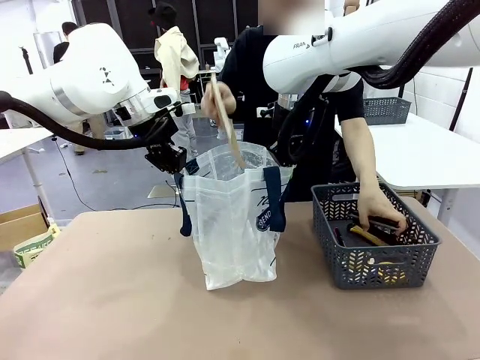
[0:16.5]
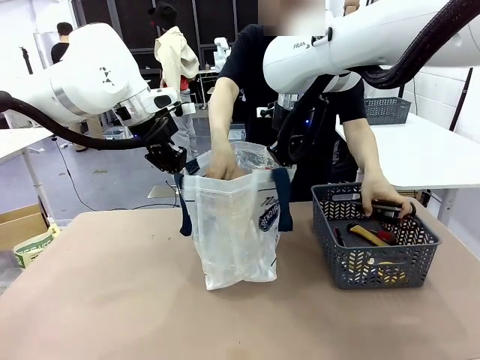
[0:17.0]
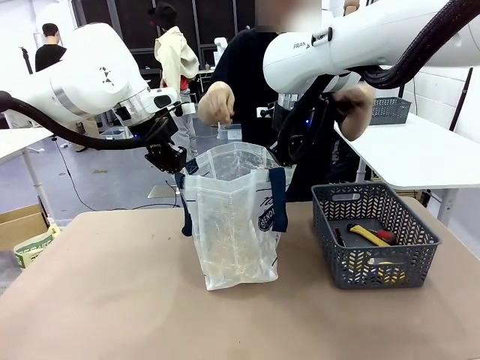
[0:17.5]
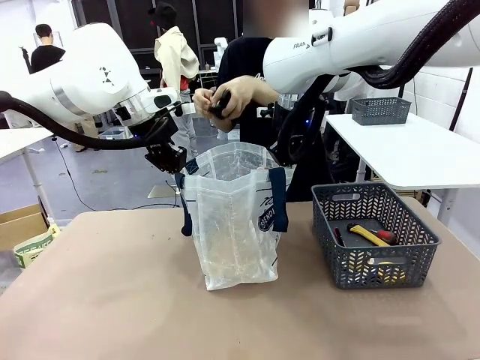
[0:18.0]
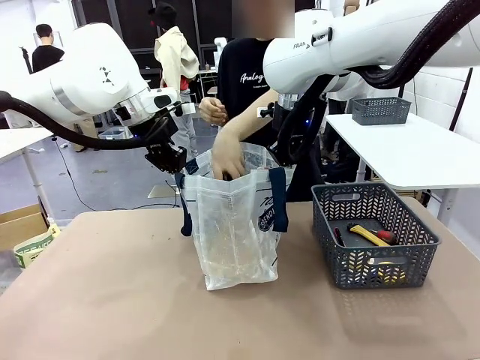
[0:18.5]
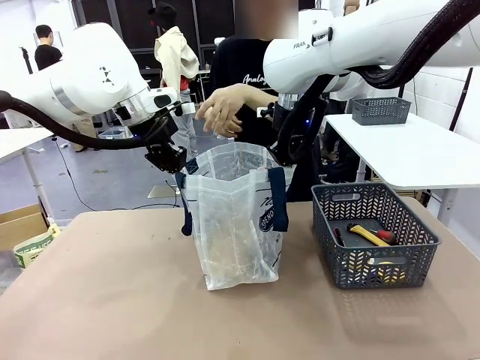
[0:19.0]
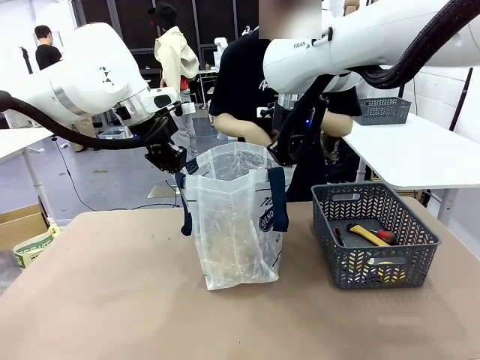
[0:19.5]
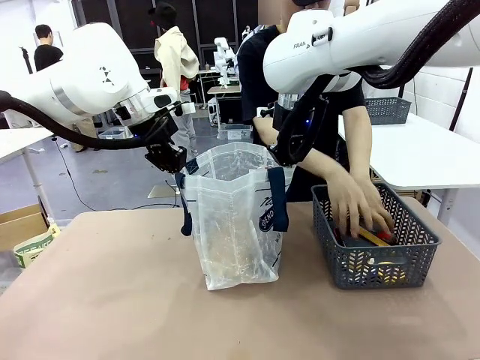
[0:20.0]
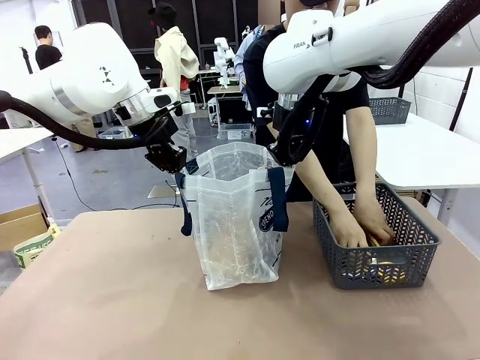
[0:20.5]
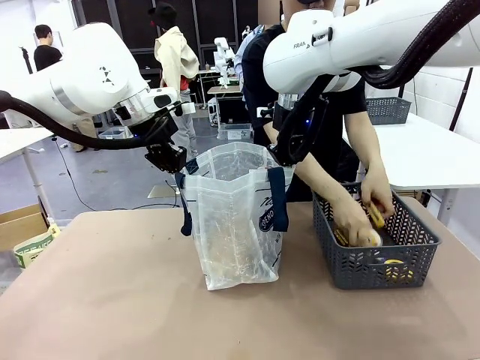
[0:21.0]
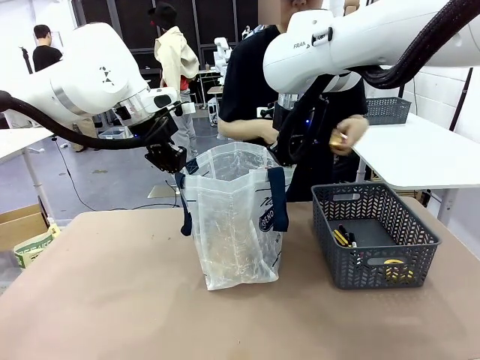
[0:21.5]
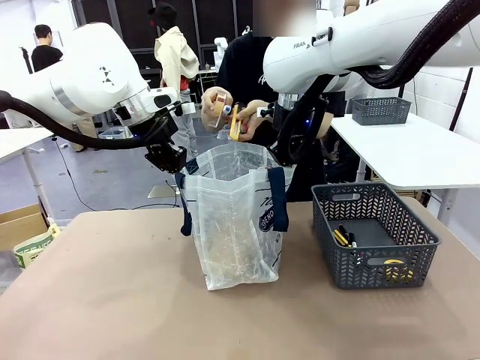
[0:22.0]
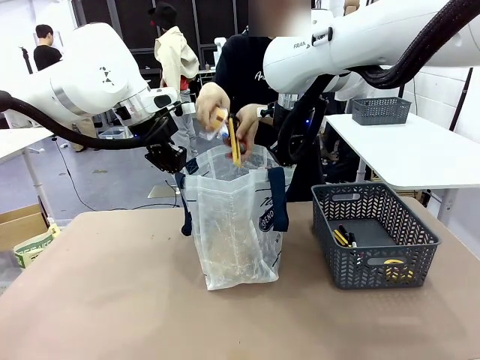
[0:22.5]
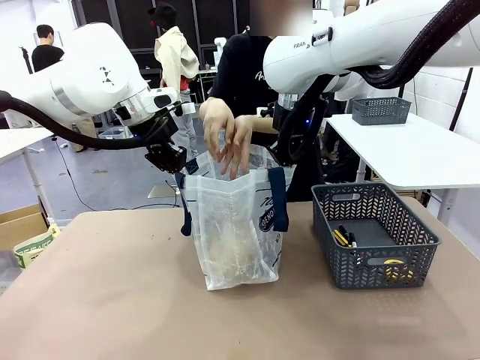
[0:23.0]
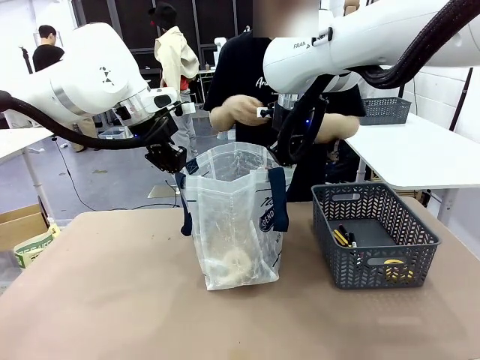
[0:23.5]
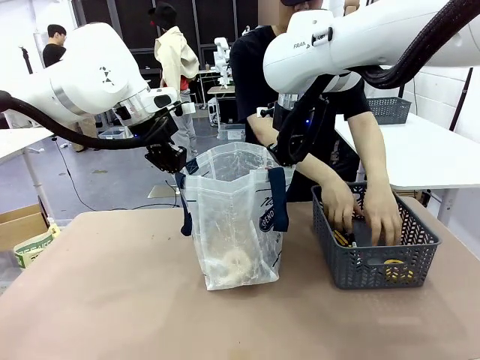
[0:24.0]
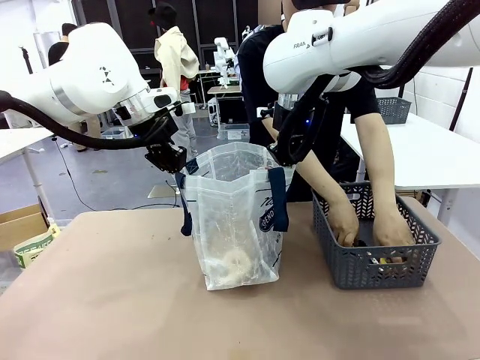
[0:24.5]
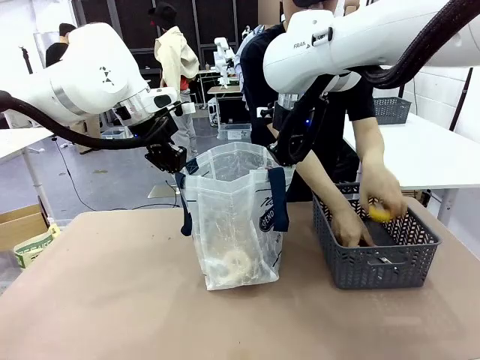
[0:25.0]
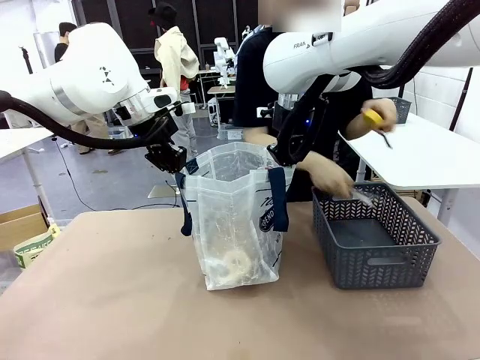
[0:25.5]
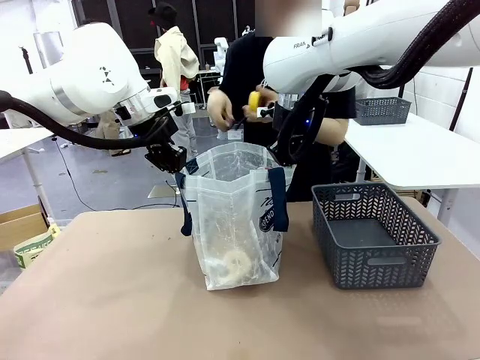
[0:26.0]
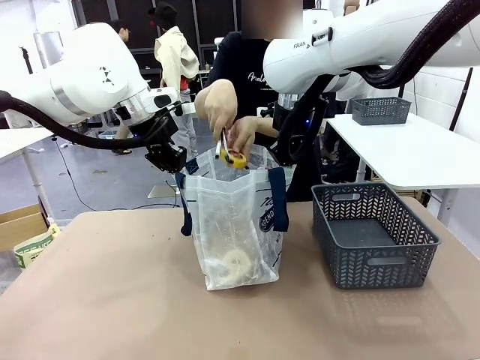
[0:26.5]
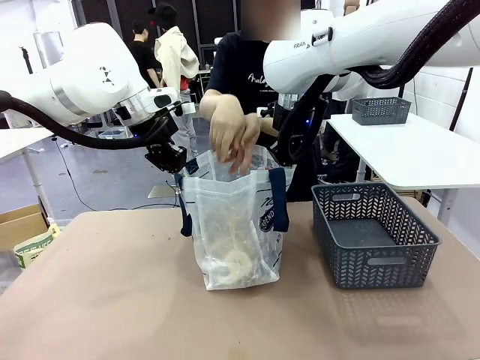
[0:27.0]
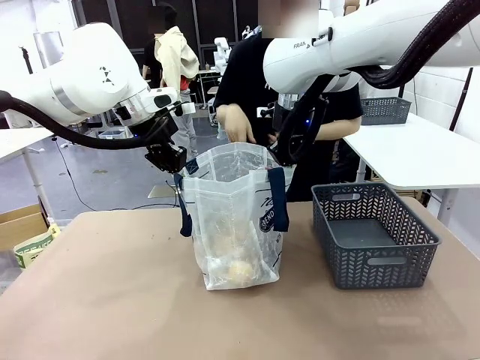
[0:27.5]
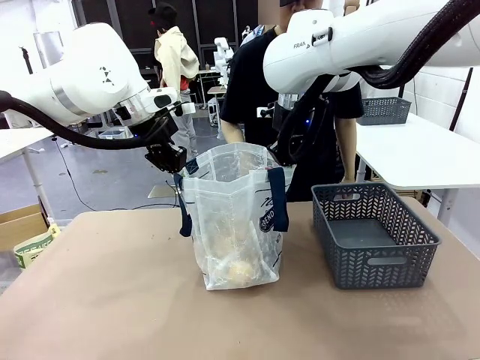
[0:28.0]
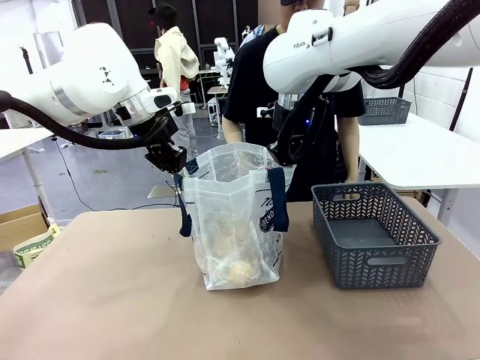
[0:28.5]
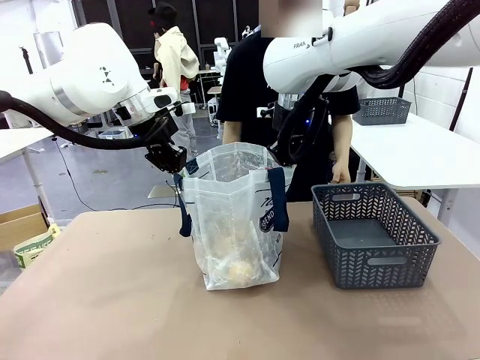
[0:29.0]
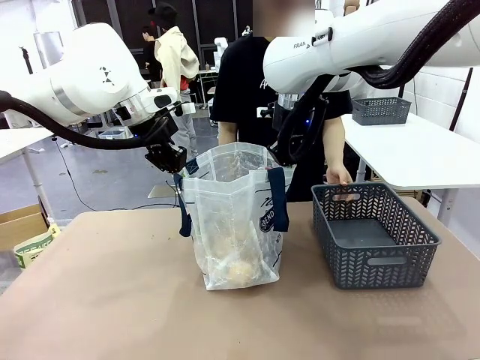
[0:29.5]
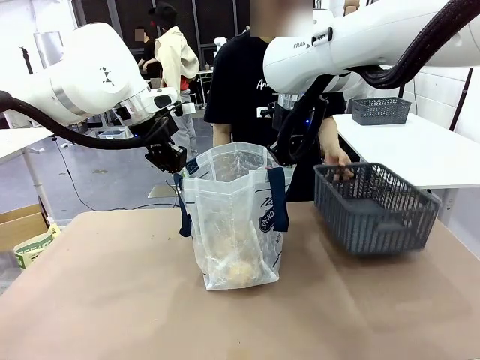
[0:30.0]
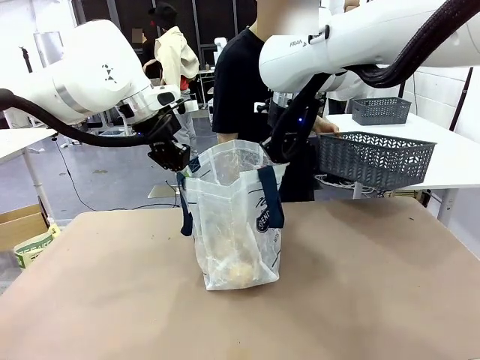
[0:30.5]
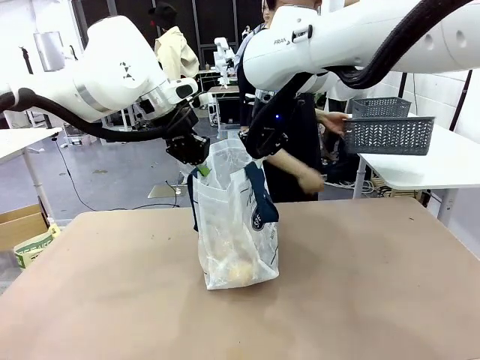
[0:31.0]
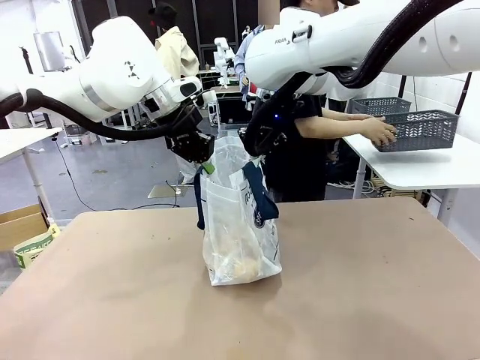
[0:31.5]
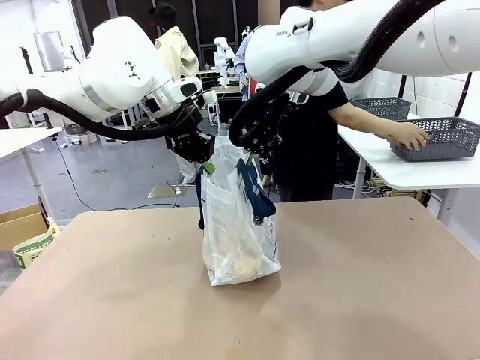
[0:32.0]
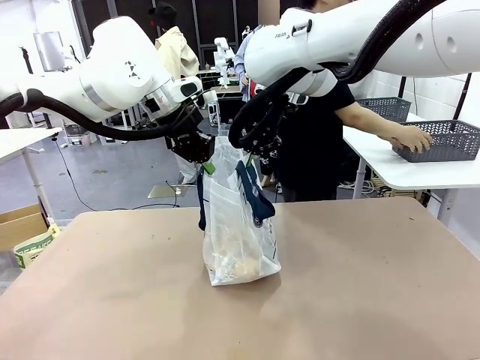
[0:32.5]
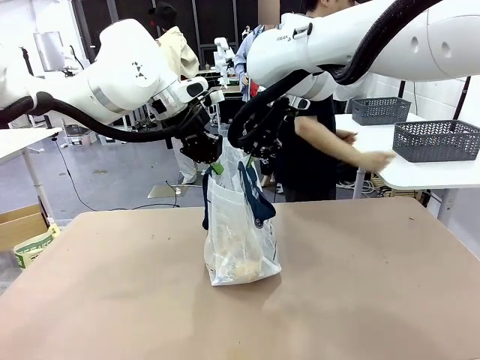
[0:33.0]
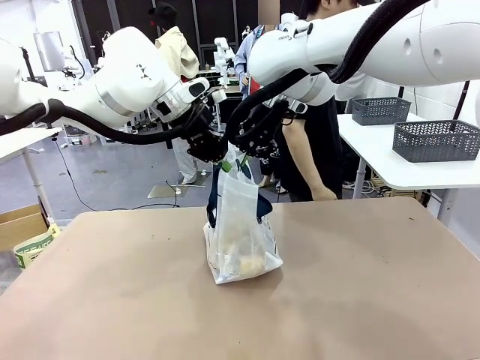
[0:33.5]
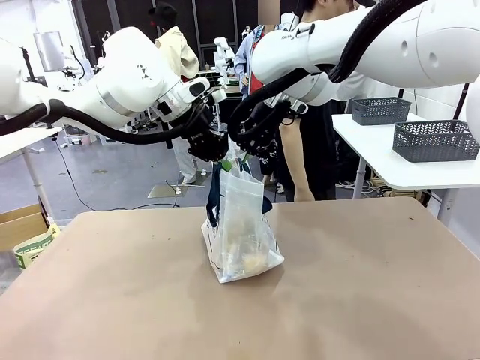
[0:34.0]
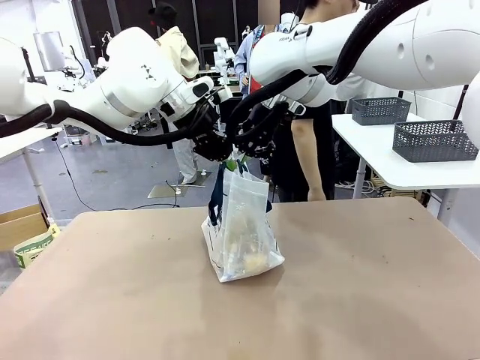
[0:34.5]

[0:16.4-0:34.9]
Task: Transfer purchased items from the store into the shopping bag.
Robot: Move the Reusable shopping bag to the right side of the table.
Person: Pick up the basket on the right, place it on the left side of the robot table, and move the items in the basket to the shopping bag. Pick up the basket with the items out and place it on the right side of the human table.
